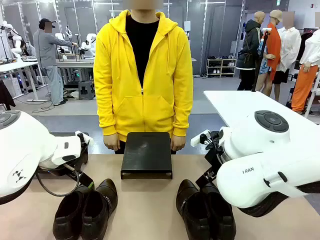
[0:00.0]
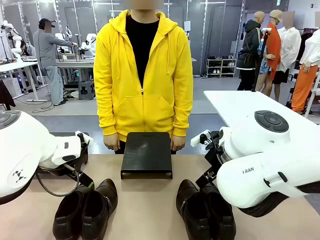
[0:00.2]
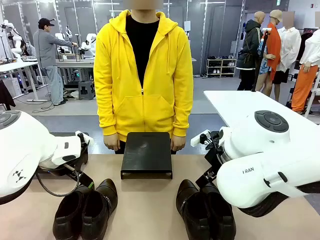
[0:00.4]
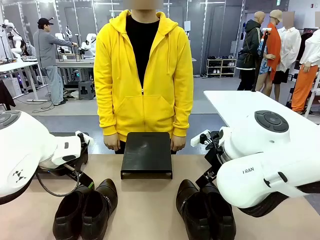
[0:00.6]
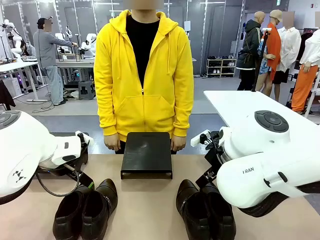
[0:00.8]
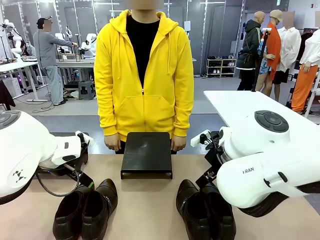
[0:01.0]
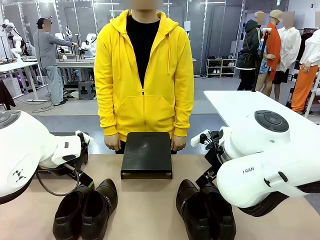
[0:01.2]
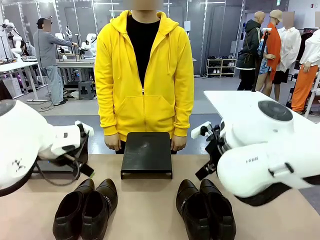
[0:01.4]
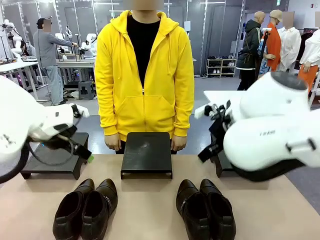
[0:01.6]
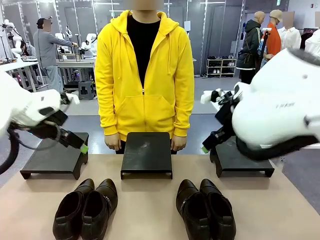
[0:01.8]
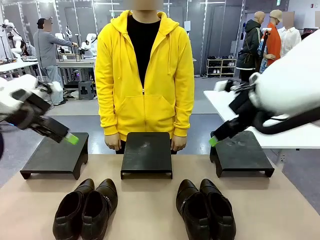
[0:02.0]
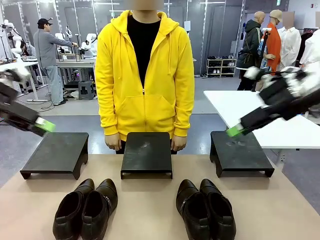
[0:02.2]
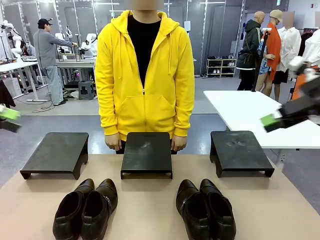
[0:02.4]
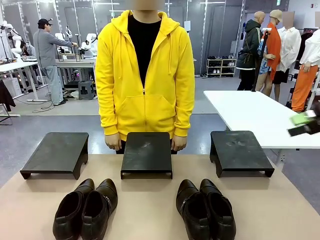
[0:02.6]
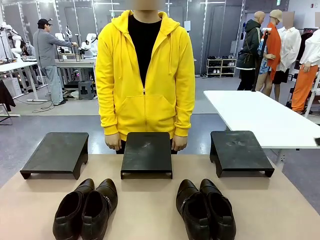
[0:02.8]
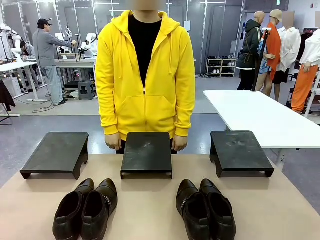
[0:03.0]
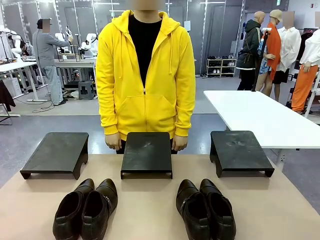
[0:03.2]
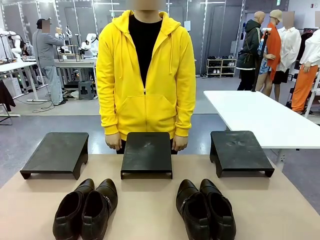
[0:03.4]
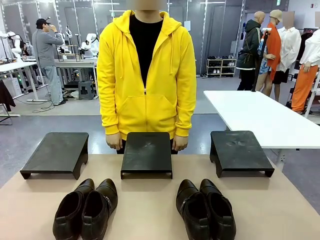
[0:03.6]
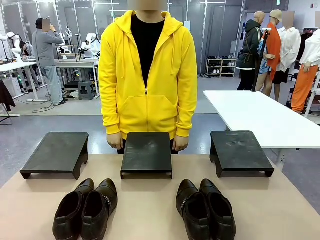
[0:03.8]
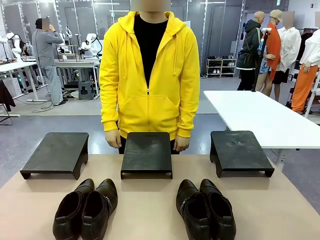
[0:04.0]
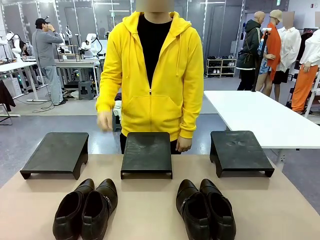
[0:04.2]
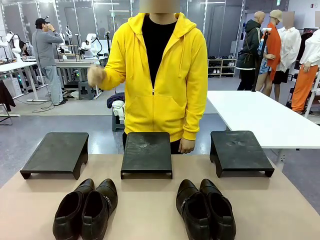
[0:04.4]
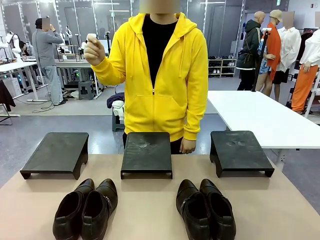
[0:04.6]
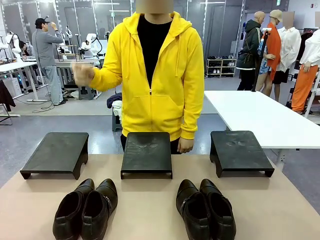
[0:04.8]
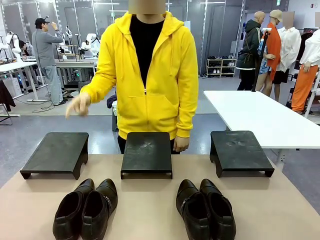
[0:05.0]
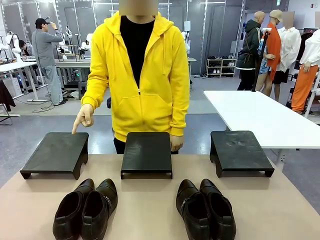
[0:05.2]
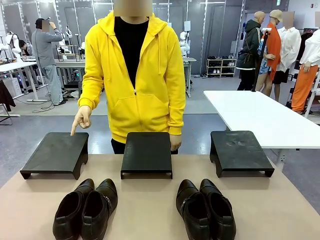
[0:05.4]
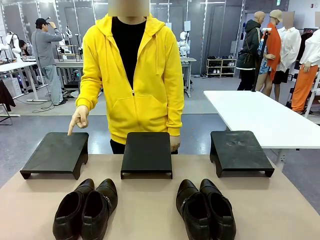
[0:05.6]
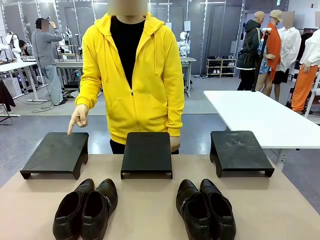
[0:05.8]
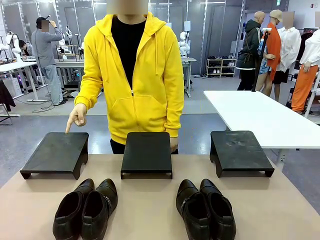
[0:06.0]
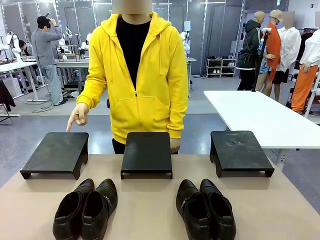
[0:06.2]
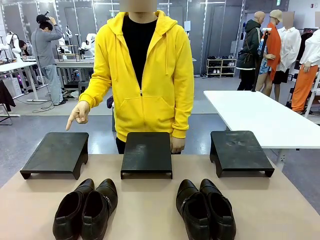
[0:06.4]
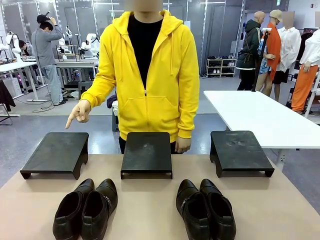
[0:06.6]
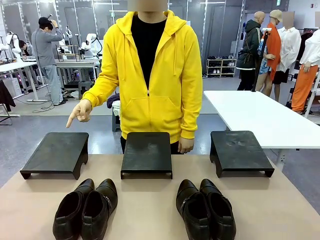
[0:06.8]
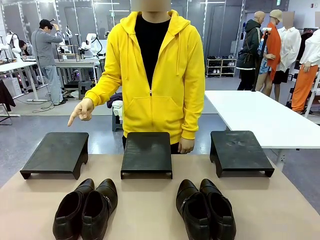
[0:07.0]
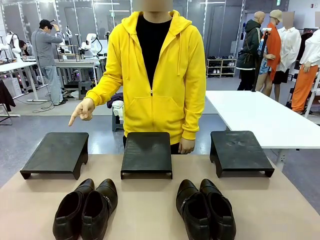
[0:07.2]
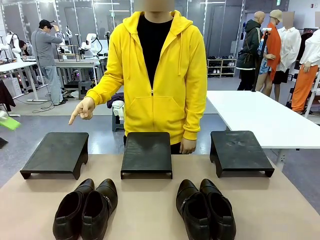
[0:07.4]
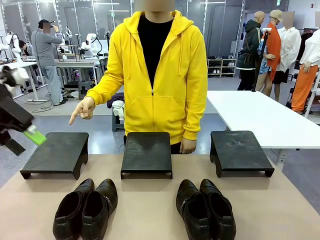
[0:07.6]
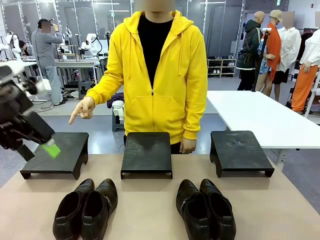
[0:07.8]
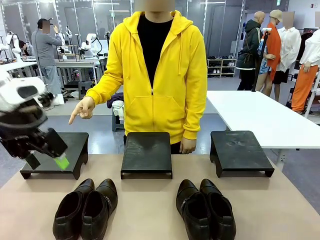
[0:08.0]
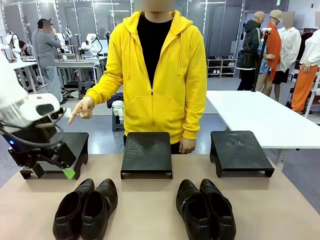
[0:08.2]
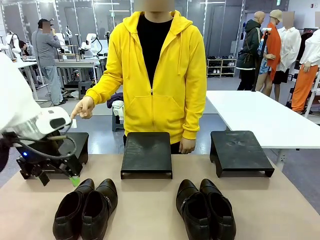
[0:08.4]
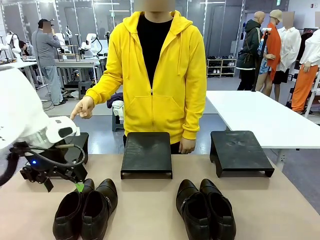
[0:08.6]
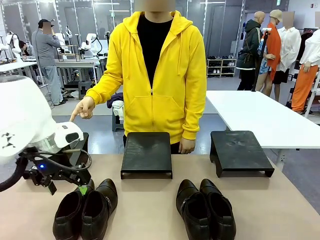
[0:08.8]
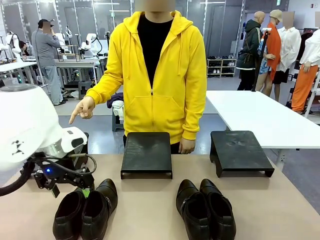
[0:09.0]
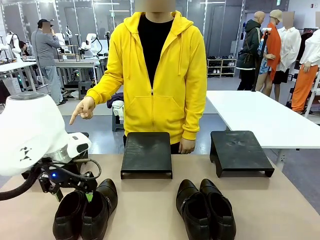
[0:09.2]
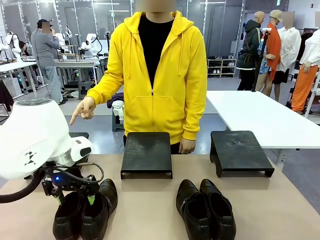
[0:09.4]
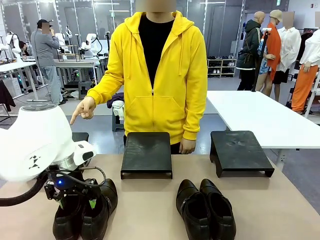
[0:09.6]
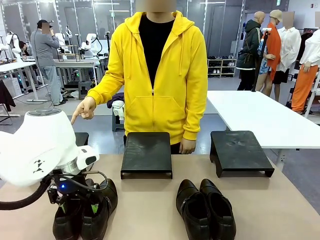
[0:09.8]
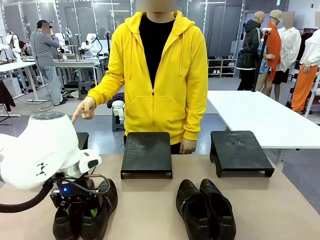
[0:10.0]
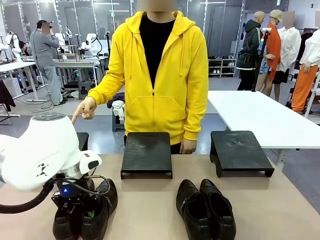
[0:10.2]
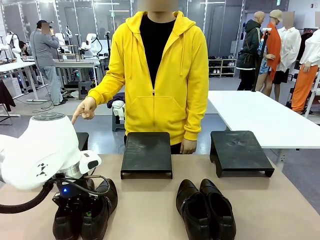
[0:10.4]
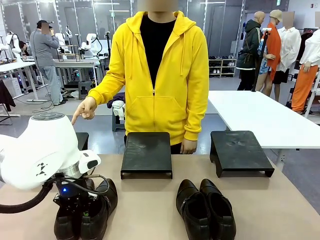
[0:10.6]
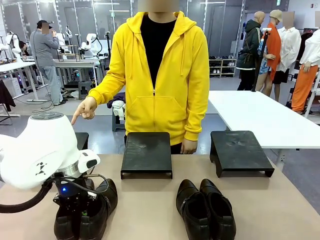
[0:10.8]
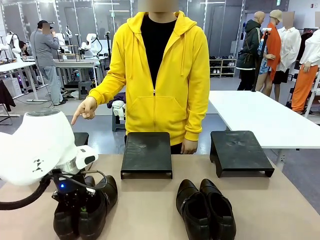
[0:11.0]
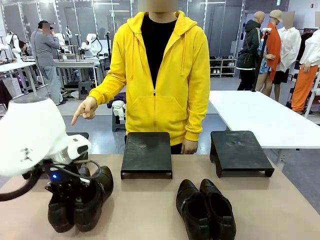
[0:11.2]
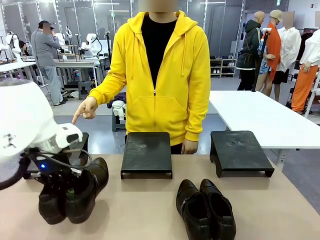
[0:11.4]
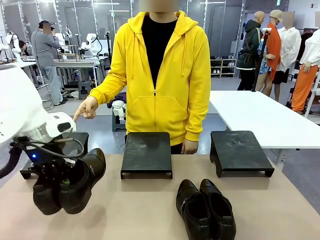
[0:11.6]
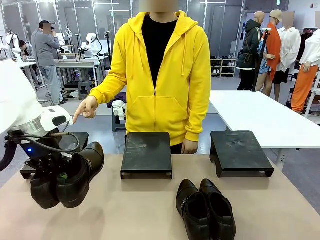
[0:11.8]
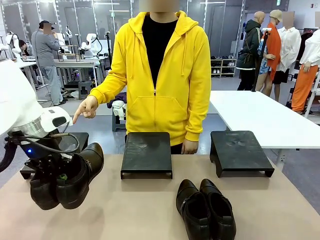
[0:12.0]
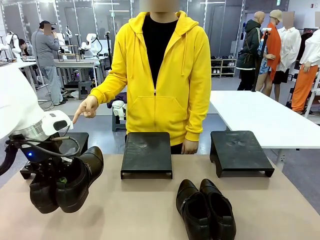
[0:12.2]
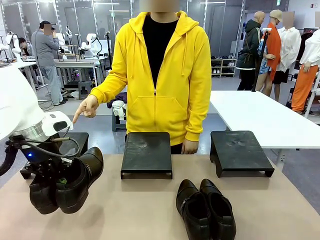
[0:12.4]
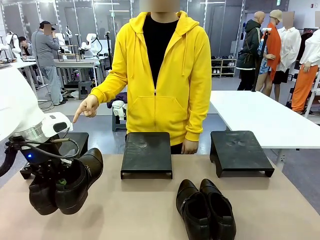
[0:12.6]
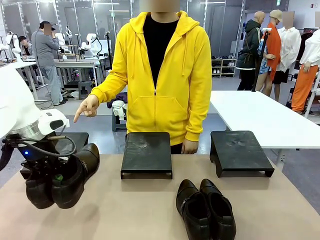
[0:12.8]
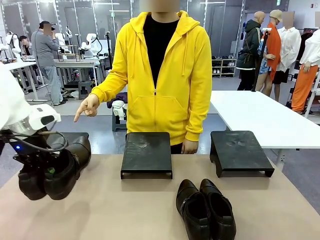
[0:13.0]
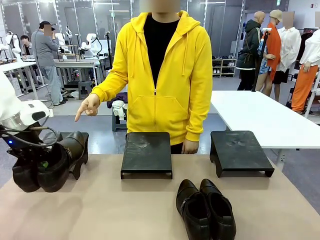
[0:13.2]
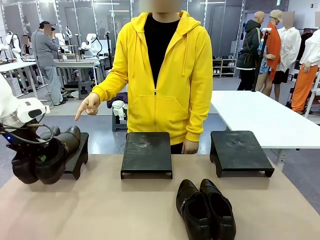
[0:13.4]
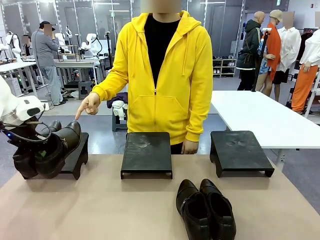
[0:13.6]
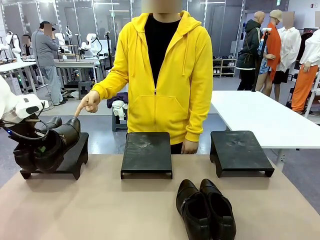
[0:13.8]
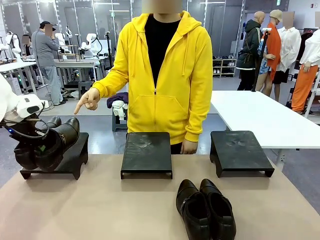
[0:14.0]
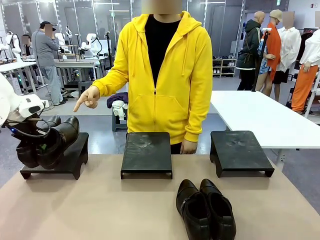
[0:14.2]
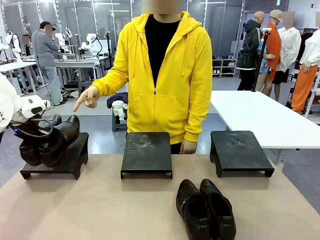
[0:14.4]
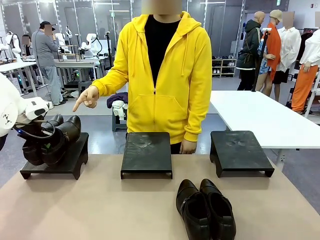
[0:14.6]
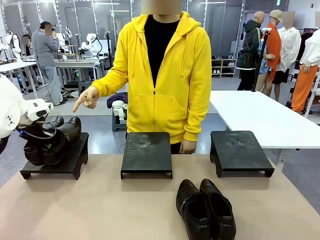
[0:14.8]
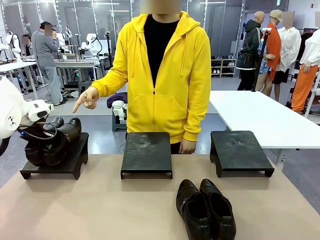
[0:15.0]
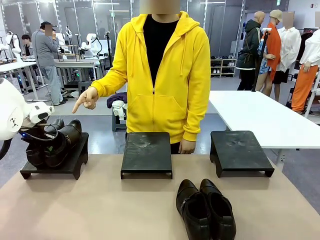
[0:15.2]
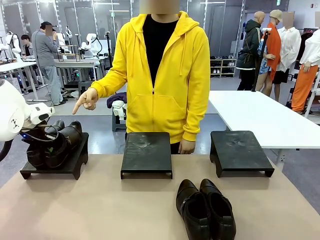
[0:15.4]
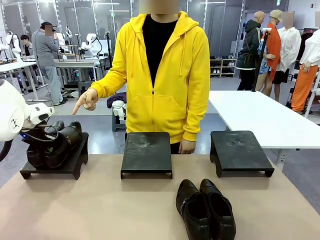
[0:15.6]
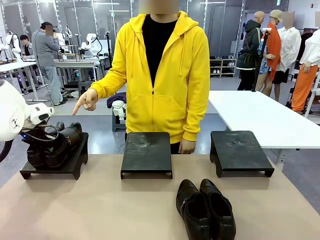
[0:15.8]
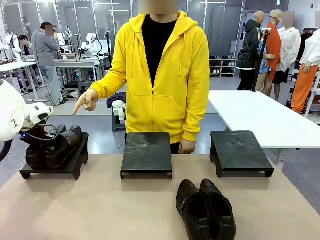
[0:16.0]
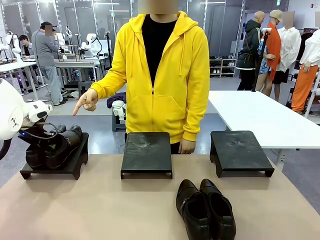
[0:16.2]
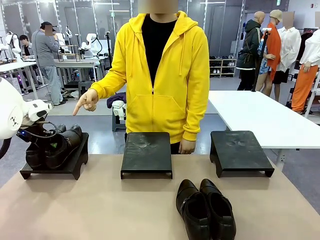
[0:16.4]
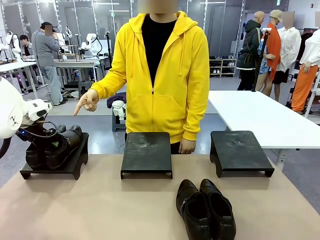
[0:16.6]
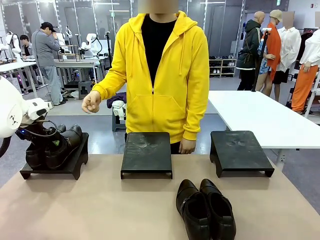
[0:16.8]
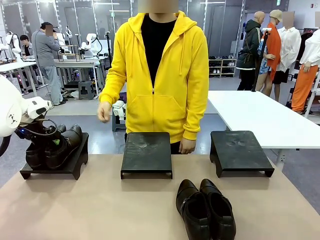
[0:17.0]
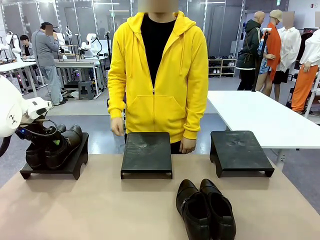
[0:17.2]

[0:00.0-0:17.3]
Task: Place the shoes on the stand as instructed by the person.
Robot: Pick up one pair of Shoes and place it on the Shoes Stand indicated by the person.
